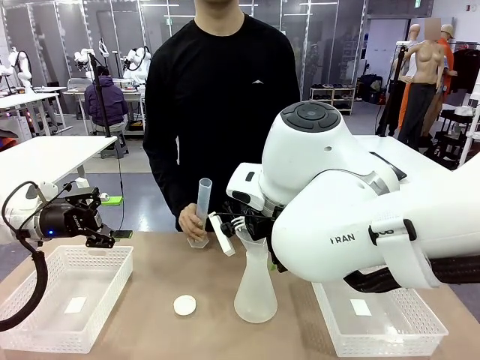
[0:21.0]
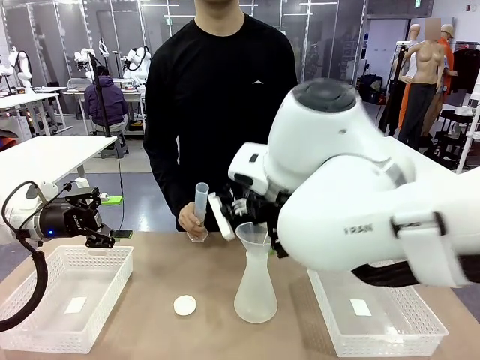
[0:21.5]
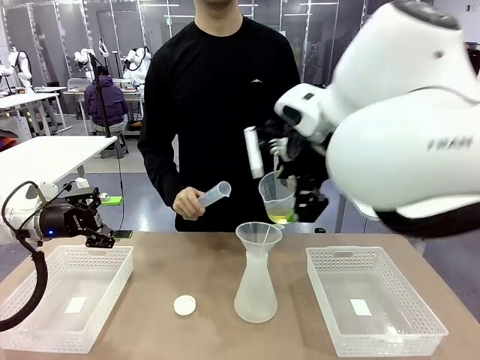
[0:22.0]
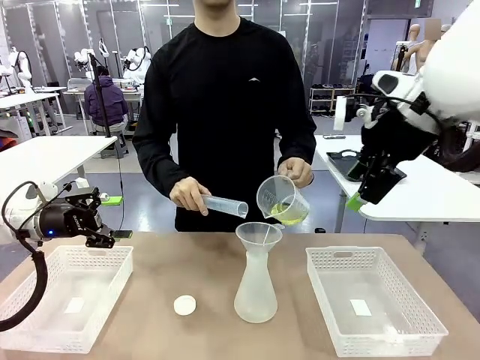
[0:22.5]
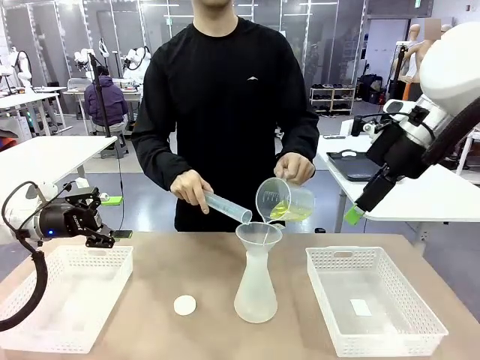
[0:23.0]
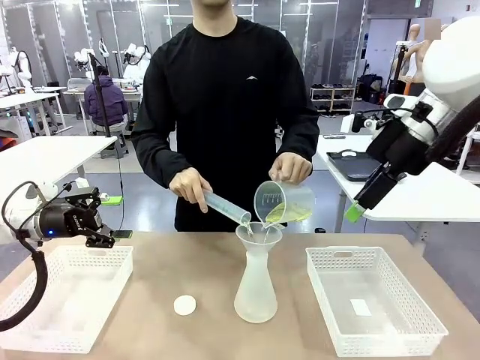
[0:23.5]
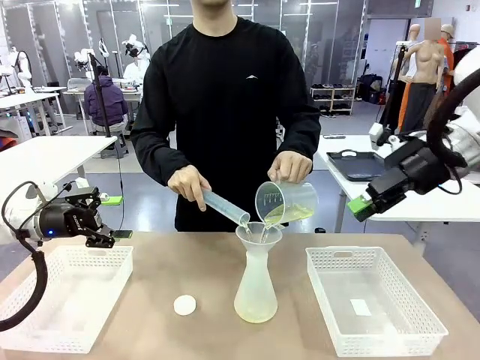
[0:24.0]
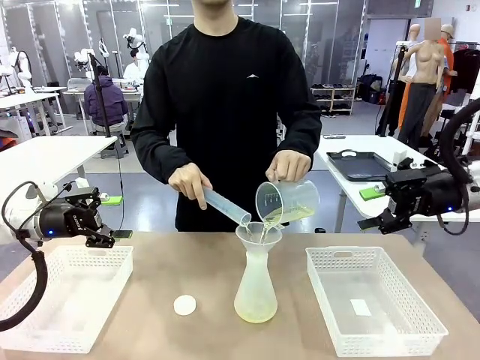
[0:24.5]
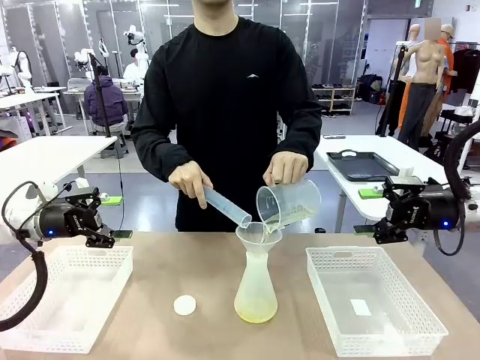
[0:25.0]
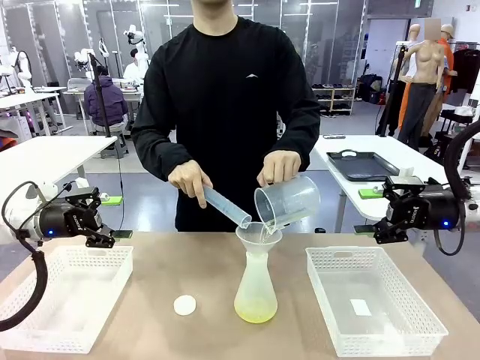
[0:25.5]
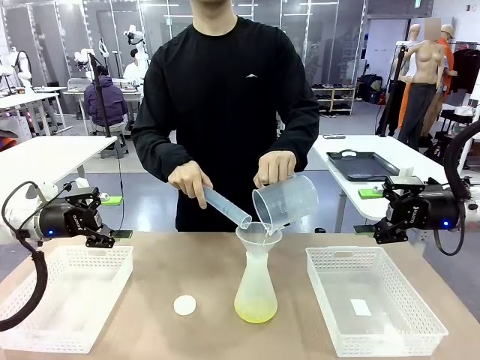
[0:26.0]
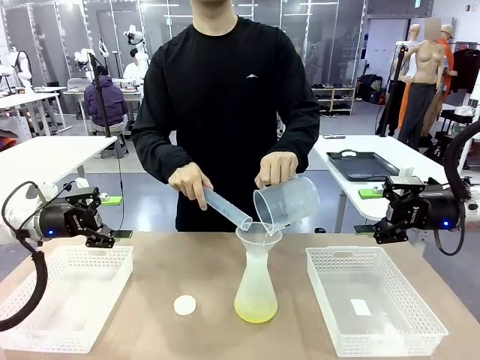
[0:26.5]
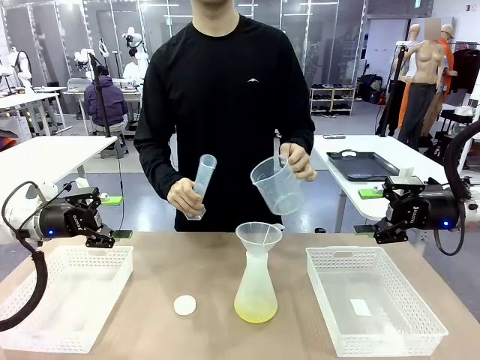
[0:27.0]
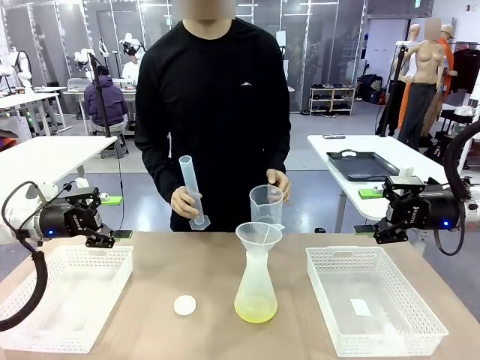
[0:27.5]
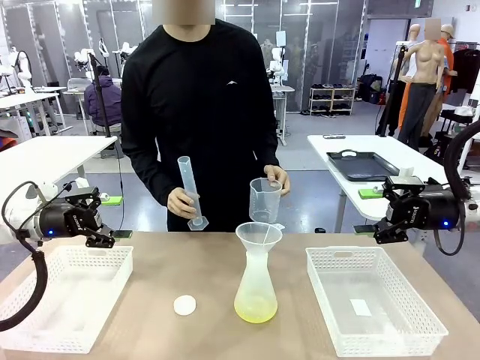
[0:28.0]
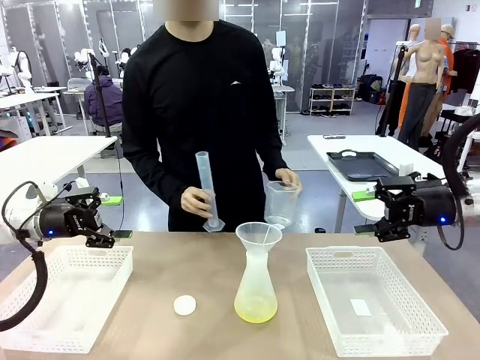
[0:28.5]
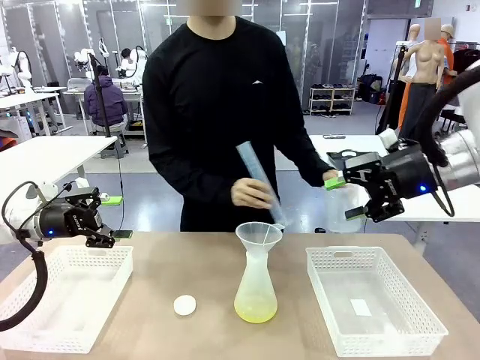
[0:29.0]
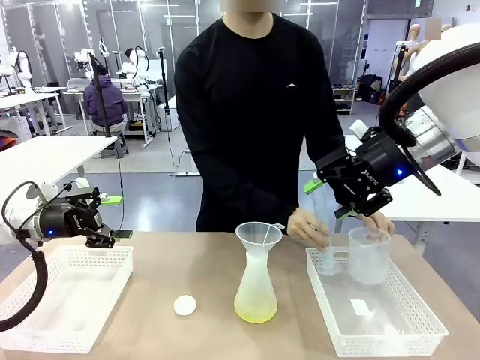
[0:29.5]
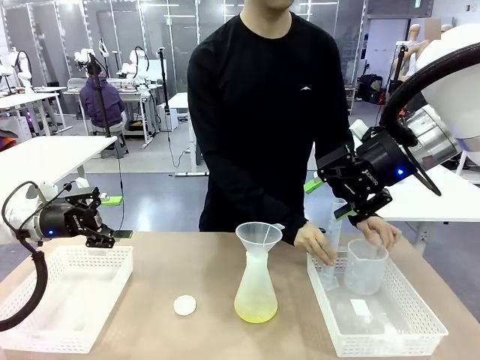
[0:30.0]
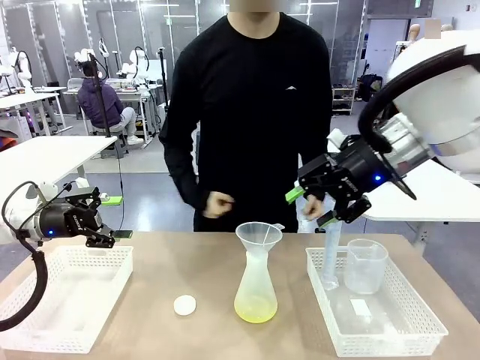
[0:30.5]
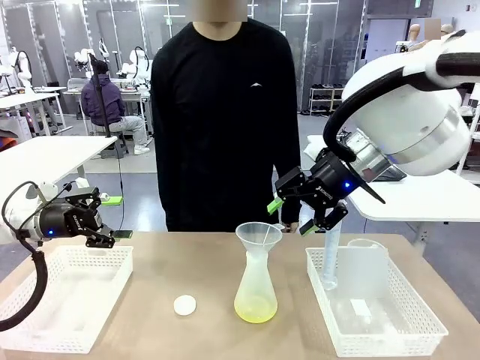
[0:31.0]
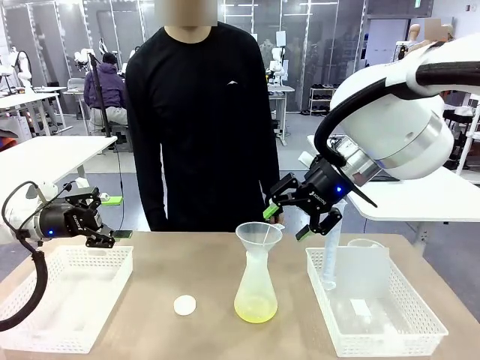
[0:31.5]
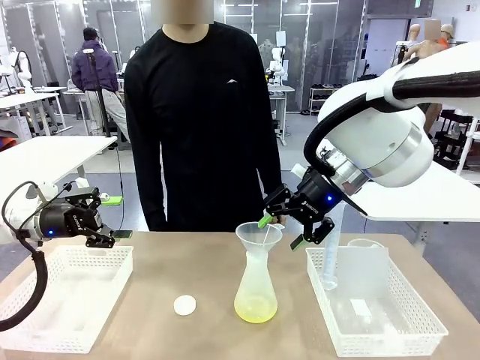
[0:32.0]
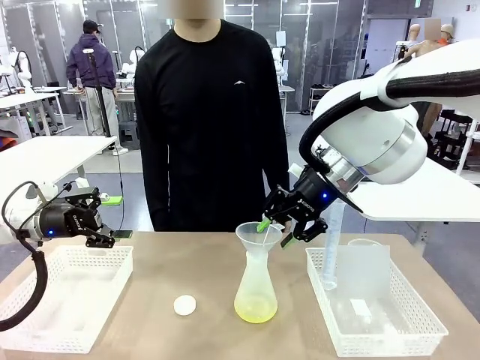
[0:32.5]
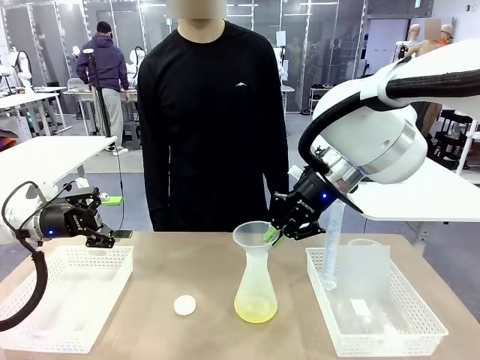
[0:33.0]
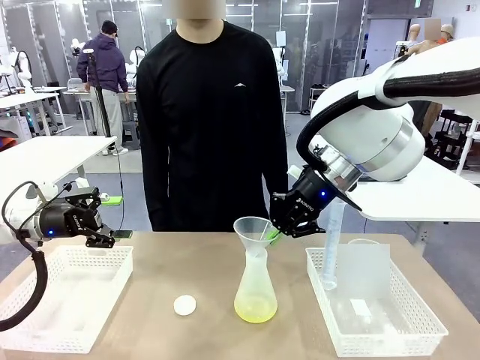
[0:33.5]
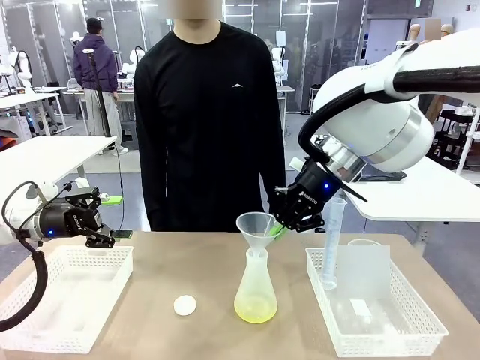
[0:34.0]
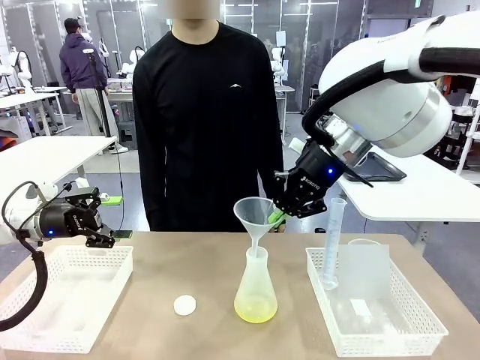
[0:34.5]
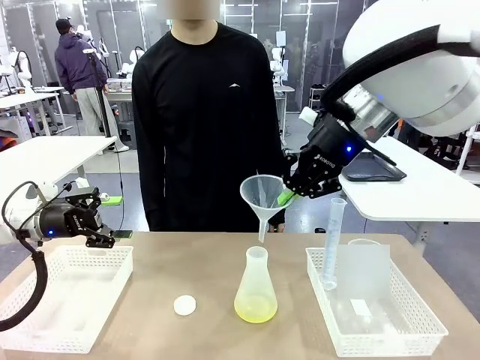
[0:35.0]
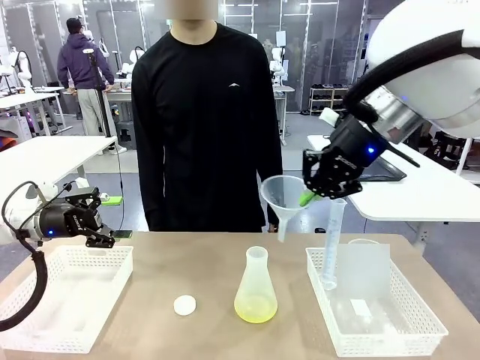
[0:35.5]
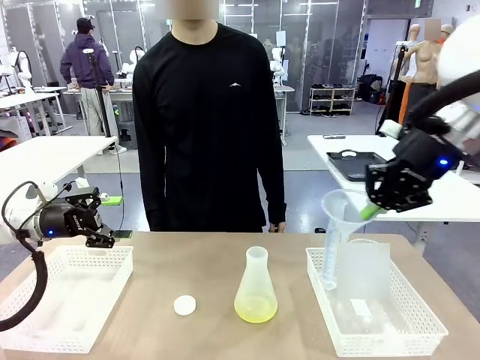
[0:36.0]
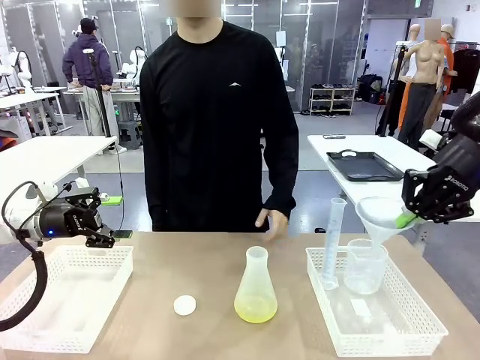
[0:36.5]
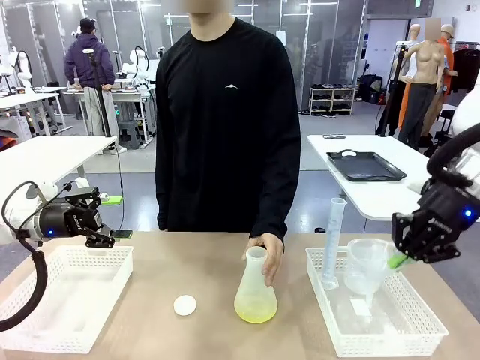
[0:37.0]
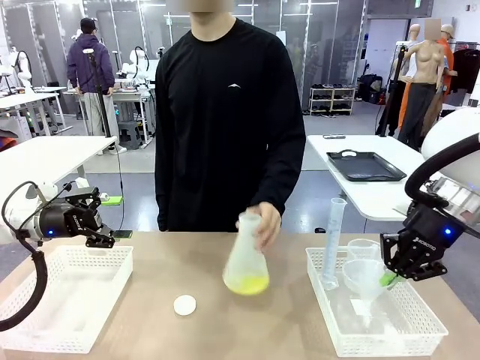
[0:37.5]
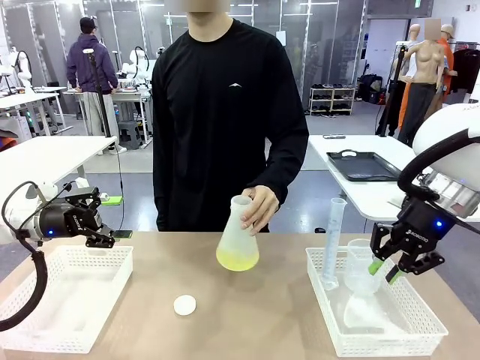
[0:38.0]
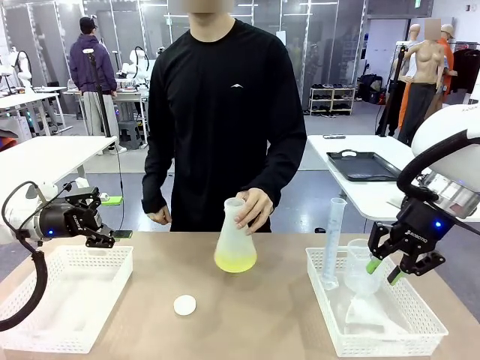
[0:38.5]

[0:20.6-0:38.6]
Task: Prepare the solutions needed for the experiment.
Robot: Once the solution is in the Big flask , pick up the Plastic Funnel and place it back into the right Organizing basket.
Person: Place the beaker and the cylinder into the organizing basket on the left side. Pick up the flask, gently shake it 2–3 times, place it in the middle of the robot table, and close the lid.
